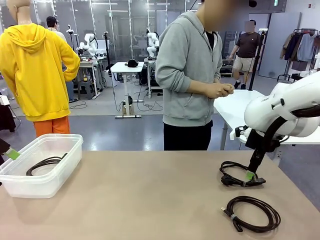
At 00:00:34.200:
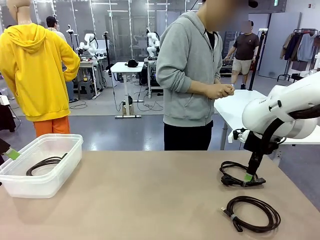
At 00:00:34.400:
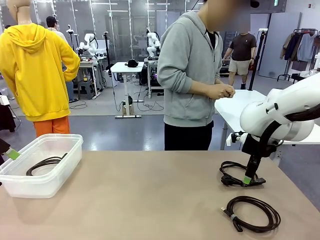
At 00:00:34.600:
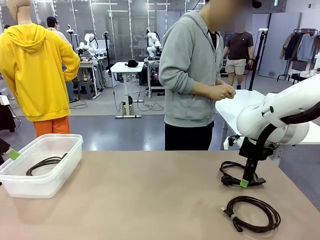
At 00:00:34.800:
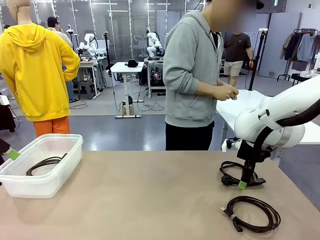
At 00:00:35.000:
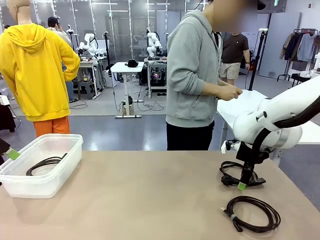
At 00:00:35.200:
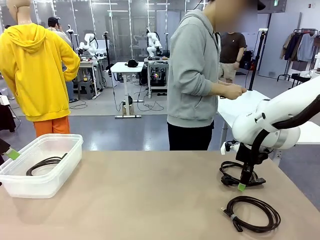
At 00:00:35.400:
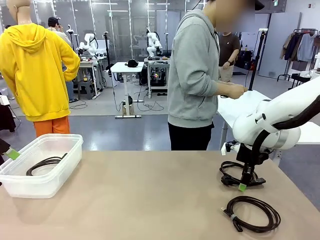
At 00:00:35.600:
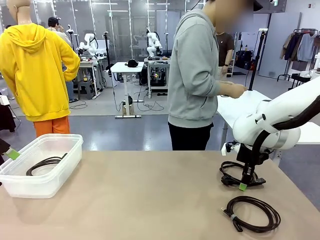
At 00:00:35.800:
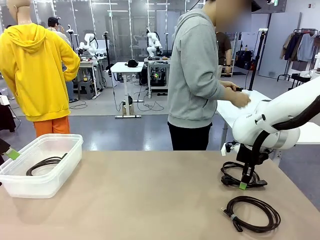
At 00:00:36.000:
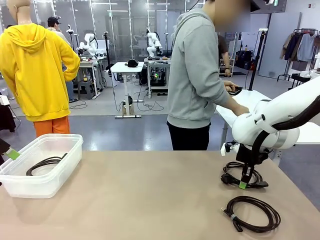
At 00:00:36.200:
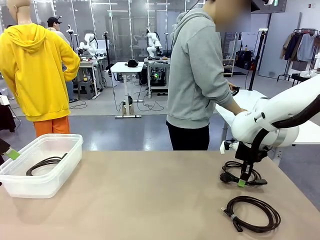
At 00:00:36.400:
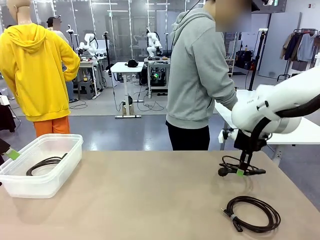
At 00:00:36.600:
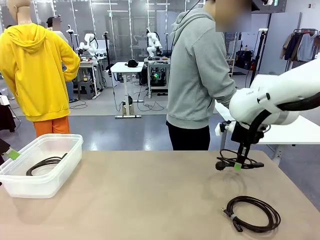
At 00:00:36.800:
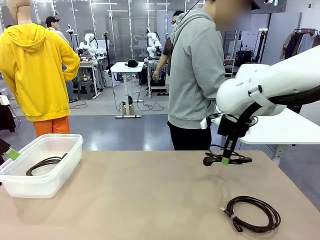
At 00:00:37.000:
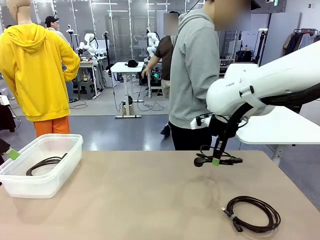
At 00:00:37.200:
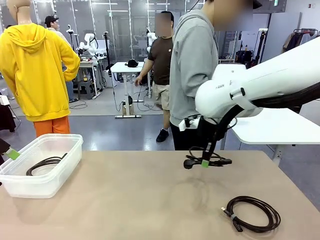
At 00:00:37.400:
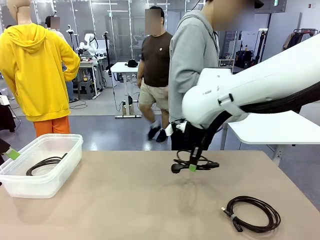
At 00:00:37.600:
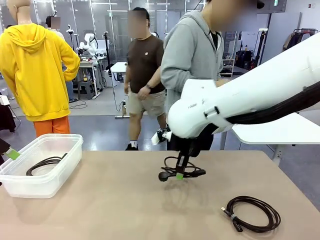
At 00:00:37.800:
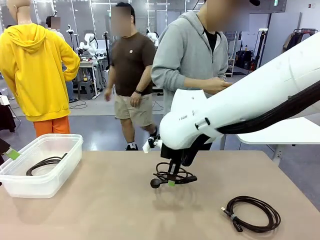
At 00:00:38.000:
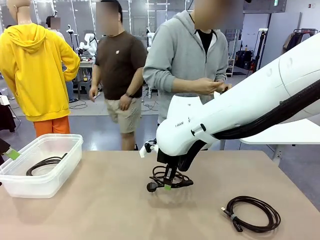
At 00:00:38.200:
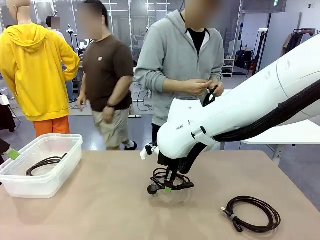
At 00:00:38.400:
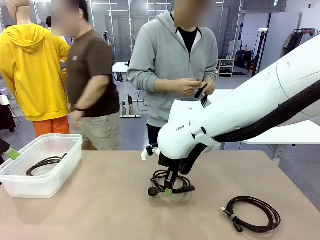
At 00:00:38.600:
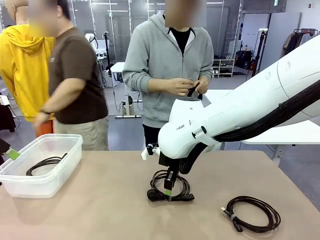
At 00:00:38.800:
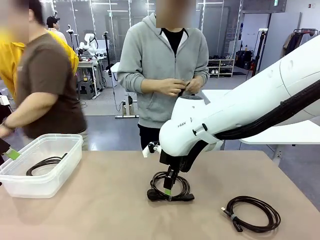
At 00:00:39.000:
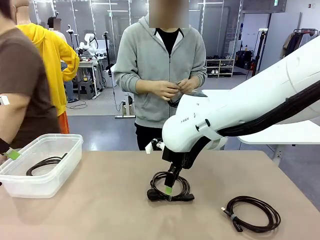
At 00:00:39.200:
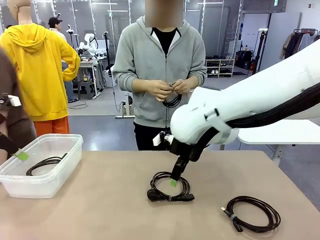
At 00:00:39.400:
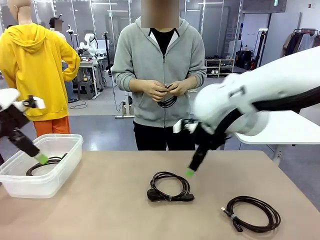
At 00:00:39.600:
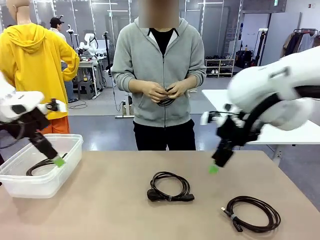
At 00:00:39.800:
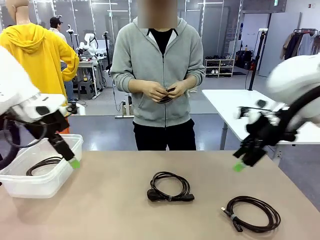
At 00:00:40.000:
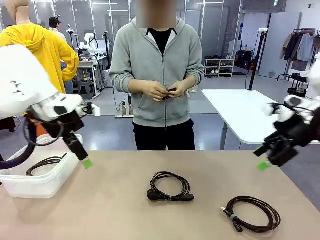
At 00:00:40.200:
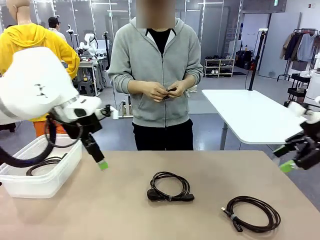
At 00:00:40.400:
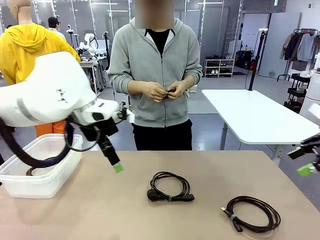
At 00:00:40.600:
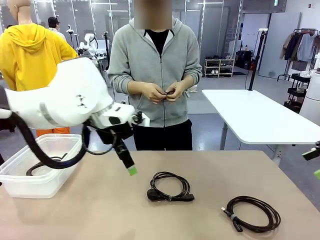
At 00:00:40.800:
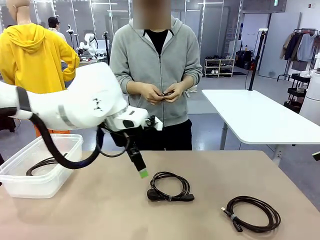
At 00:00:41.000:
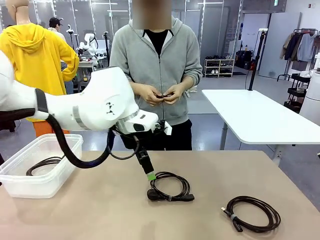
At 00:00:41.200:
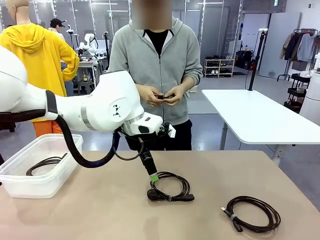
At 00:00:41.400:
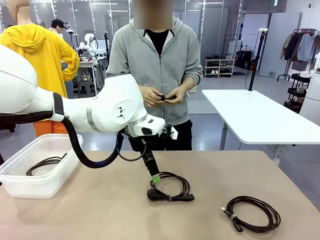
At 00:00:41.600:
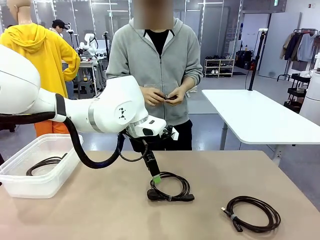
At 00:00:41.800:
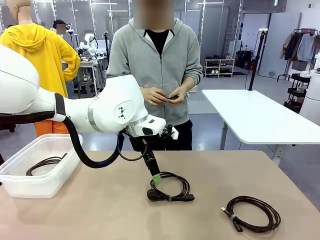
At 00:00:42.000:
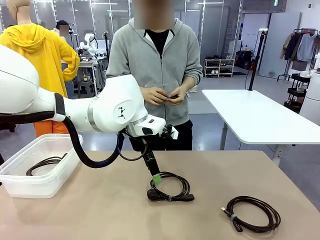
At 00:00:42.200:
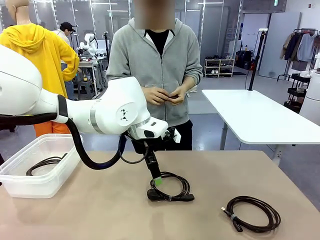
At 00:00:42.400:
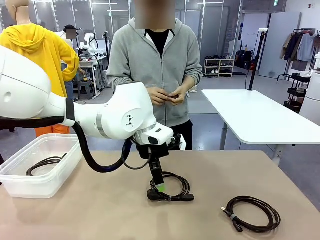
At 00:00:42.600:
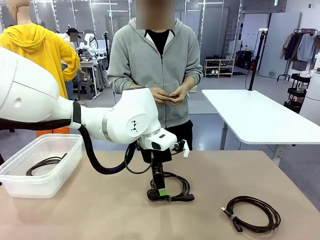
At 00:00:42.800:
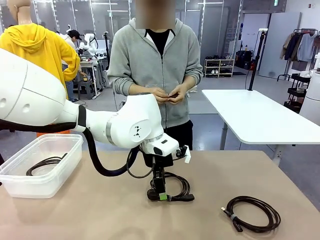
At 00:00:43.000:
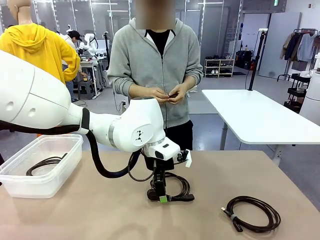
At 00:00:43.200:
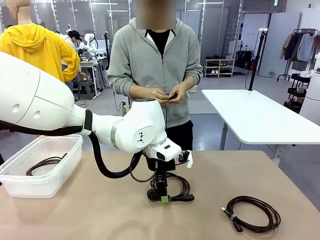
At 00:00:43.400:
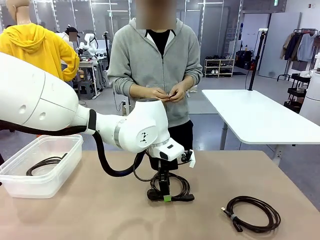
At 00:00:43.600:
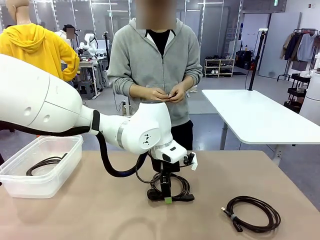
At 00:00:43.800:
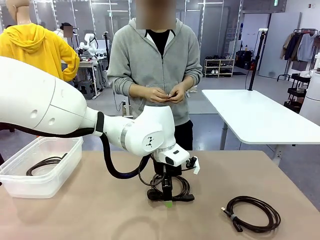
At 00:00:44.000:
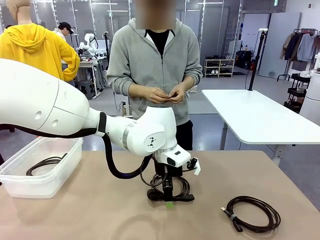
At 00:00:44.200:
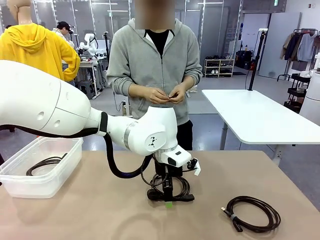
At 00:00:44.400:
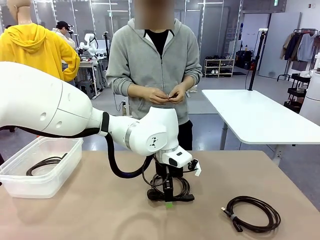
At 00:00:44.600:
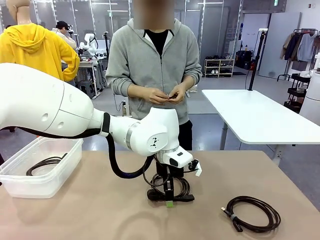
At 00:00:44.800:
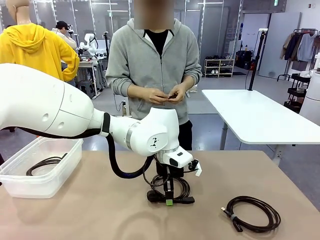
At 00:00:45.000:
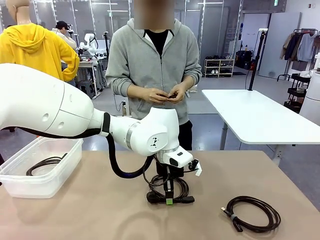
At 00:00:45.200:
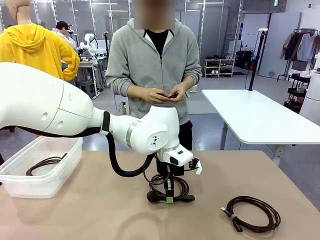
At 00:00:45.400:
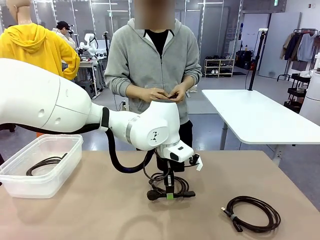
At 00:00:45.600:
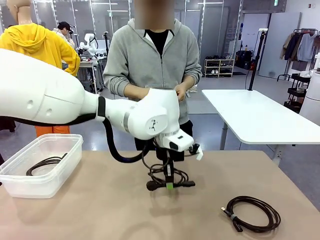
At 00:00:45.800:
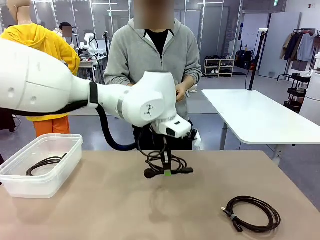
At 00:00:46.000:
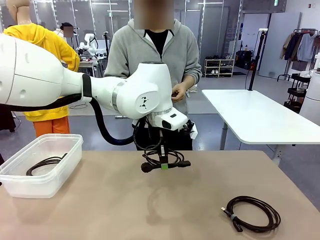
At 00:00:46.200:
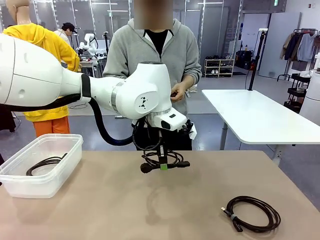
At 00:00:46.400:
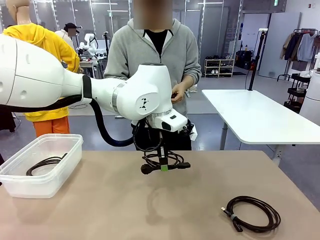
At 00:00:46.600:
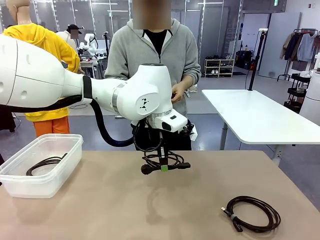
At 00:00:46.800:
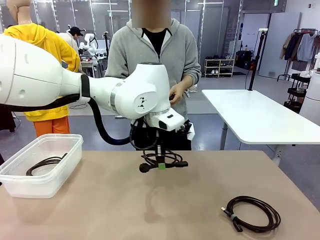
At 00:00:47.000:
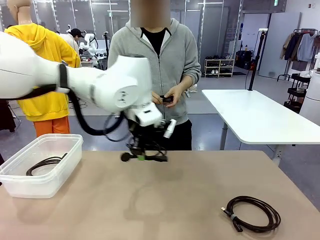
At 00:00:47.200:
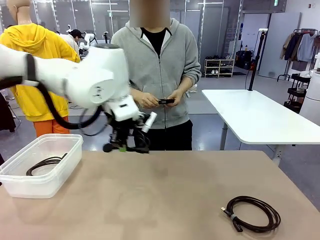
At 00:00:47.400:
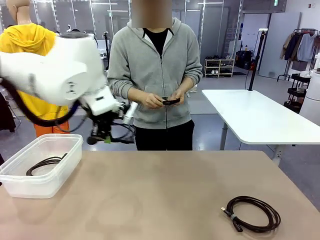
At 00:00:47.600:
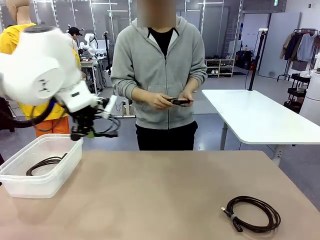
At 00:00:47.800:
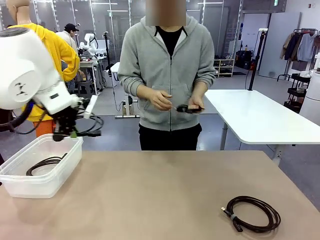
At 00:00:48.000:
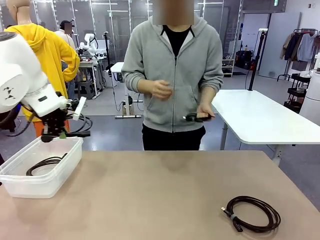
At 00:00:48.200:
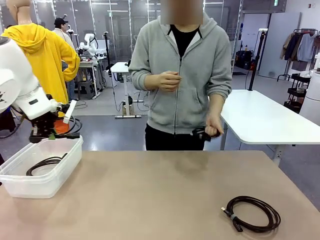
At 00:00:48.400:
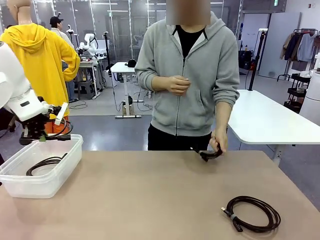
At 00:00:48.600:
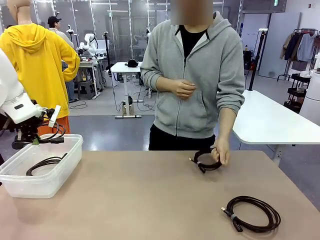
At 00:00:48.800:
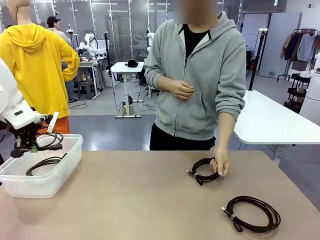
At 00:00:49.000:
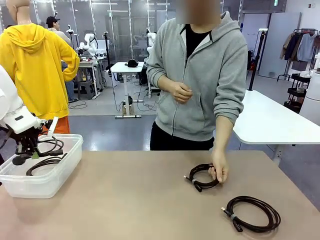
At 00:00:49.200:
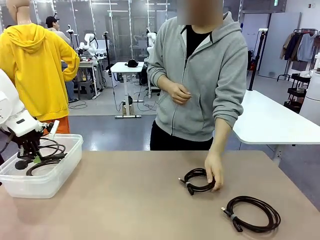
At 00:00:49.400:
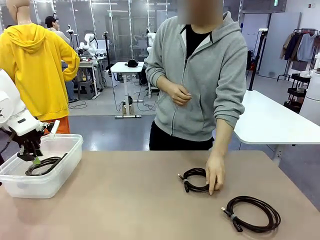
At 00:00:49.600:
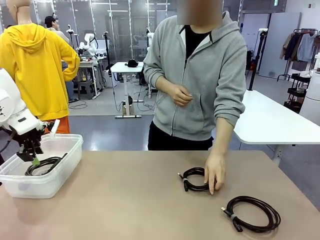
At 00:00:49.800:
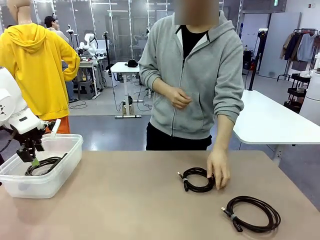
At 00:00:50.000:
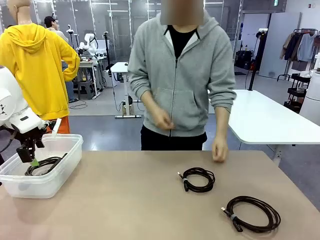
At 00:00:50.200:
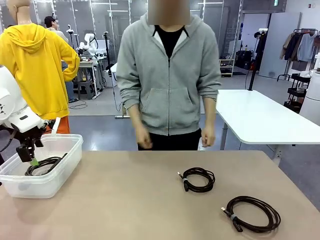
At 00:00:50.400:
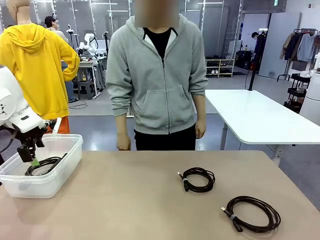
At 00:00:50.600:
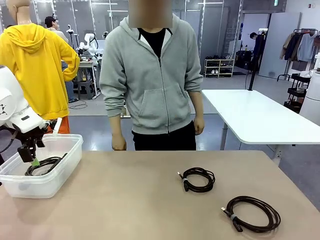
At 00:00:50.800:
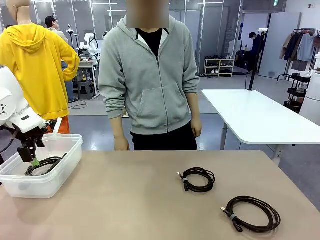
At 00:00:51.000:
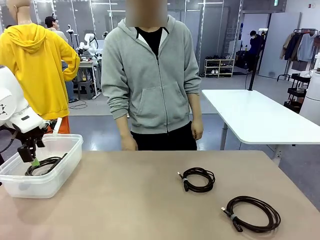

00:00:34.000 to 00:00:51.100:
Task: Organize and store the cables.
Robot: Place the Power Cable into the Organizing box.
